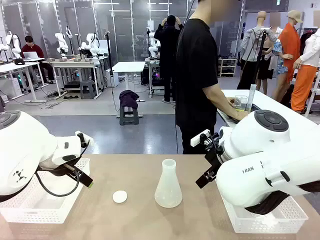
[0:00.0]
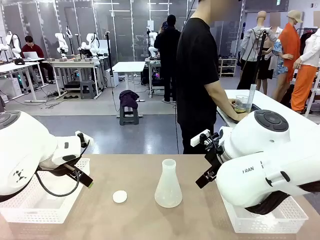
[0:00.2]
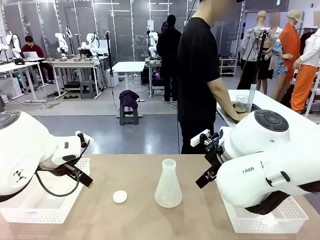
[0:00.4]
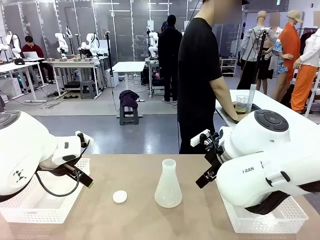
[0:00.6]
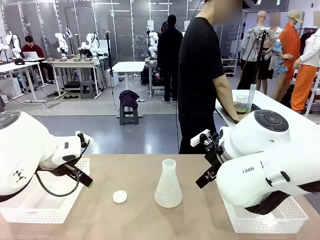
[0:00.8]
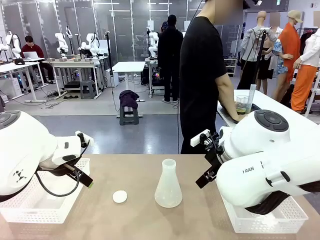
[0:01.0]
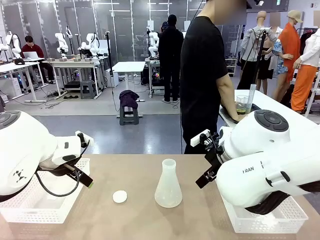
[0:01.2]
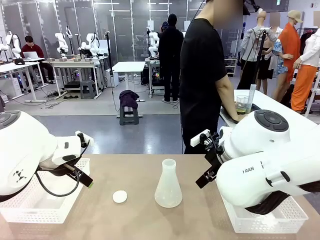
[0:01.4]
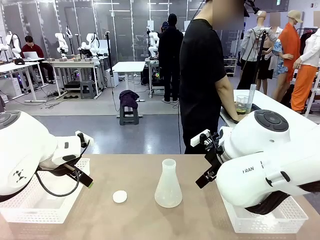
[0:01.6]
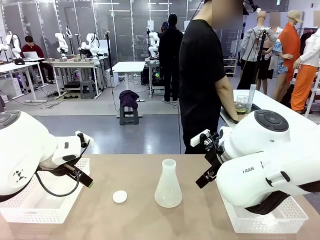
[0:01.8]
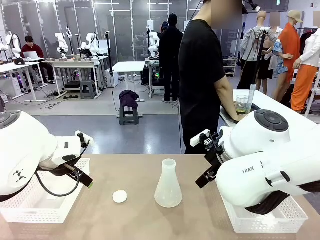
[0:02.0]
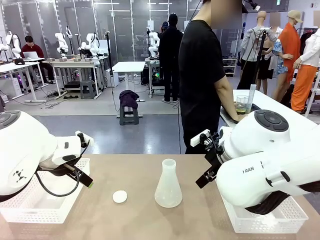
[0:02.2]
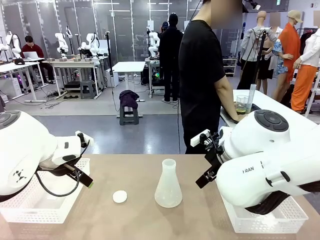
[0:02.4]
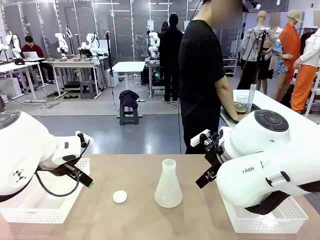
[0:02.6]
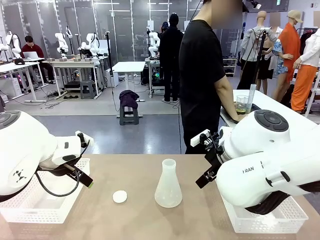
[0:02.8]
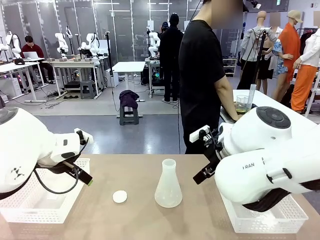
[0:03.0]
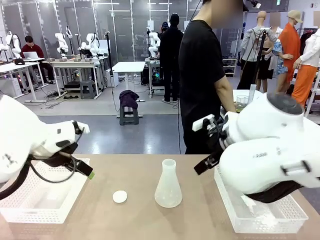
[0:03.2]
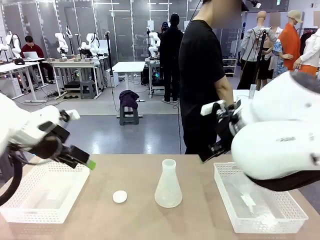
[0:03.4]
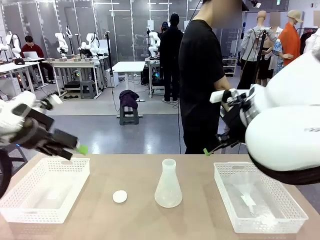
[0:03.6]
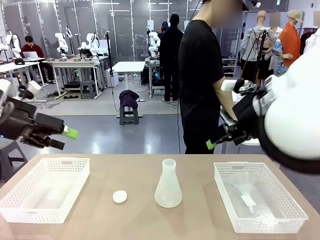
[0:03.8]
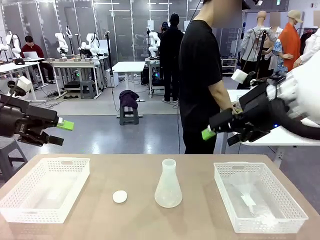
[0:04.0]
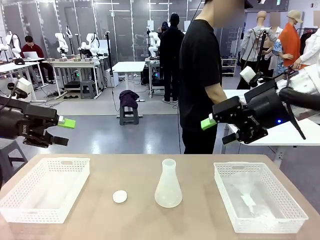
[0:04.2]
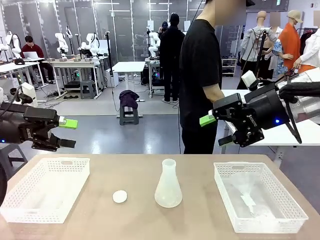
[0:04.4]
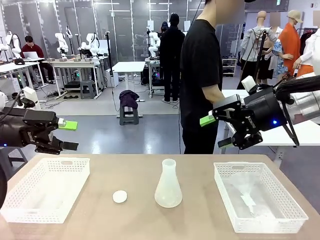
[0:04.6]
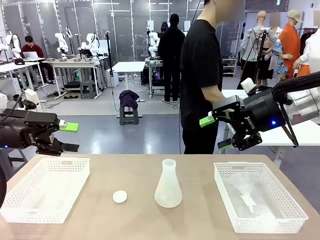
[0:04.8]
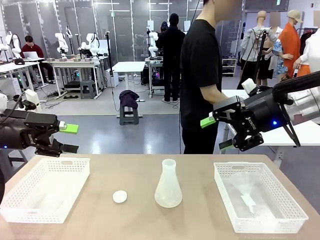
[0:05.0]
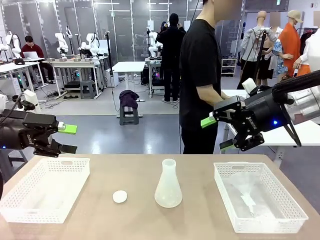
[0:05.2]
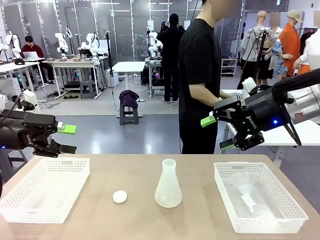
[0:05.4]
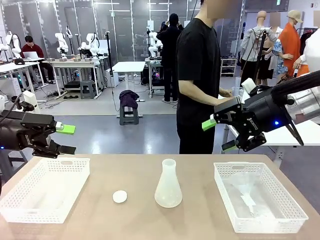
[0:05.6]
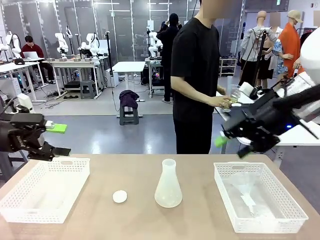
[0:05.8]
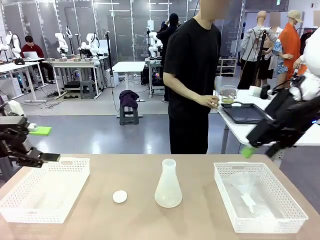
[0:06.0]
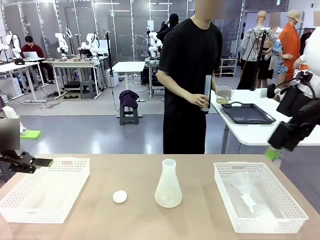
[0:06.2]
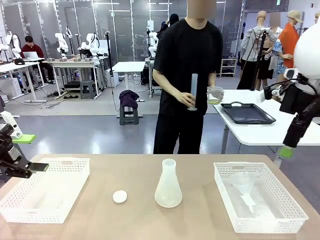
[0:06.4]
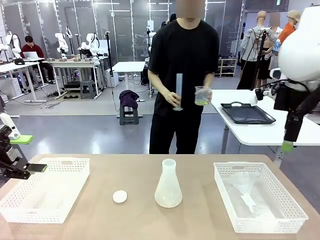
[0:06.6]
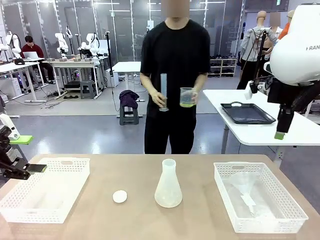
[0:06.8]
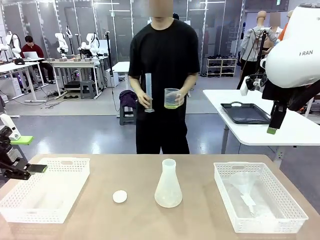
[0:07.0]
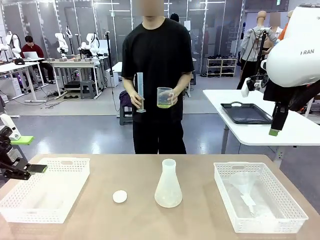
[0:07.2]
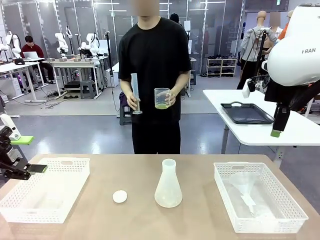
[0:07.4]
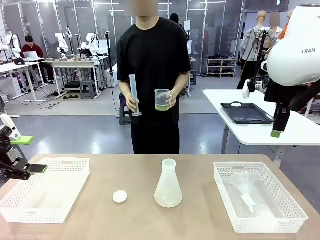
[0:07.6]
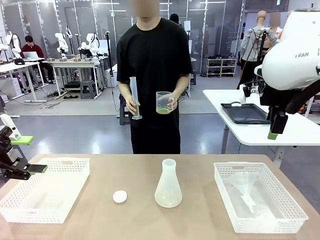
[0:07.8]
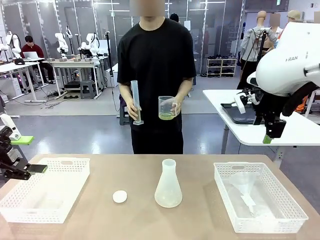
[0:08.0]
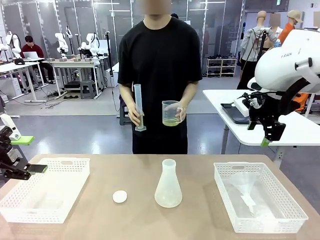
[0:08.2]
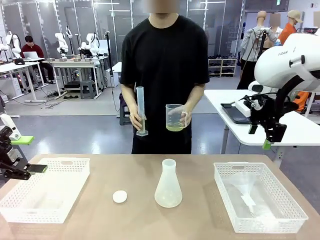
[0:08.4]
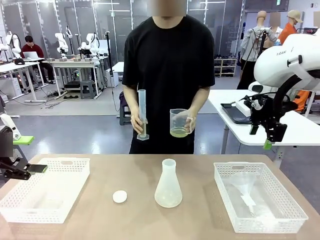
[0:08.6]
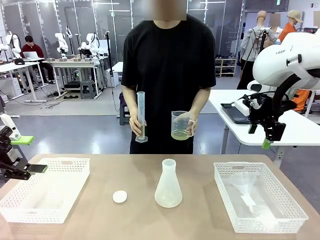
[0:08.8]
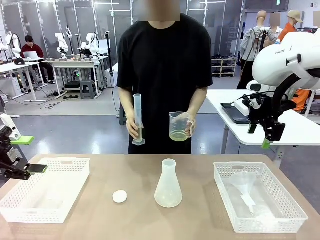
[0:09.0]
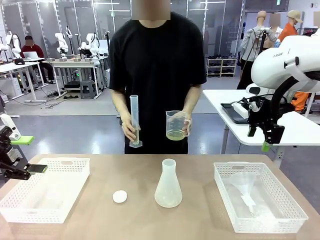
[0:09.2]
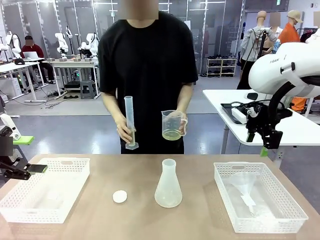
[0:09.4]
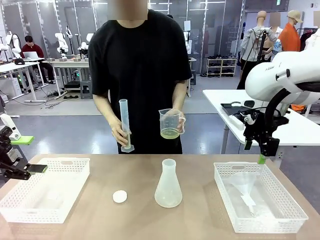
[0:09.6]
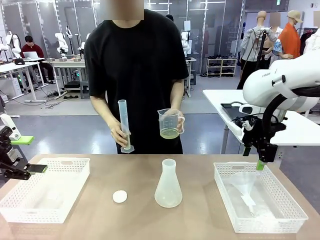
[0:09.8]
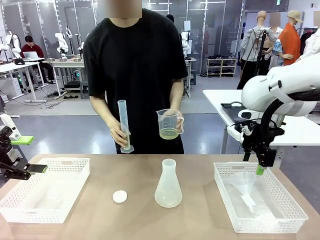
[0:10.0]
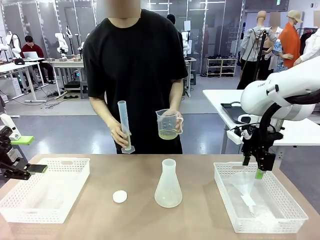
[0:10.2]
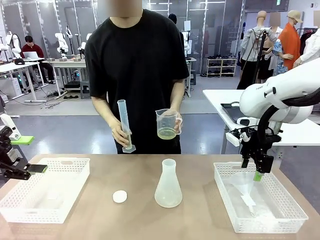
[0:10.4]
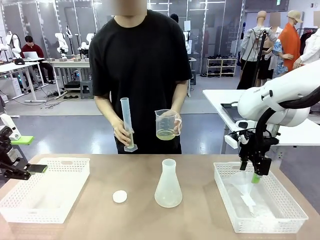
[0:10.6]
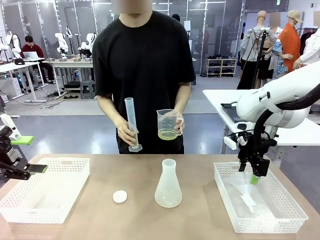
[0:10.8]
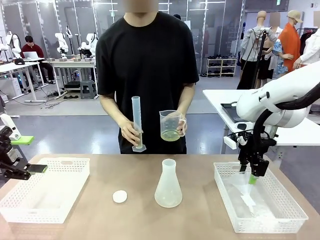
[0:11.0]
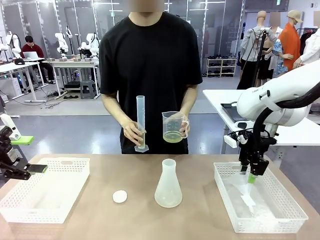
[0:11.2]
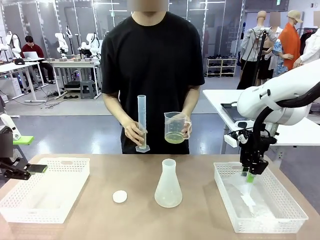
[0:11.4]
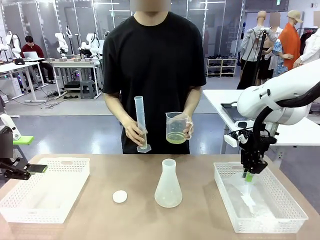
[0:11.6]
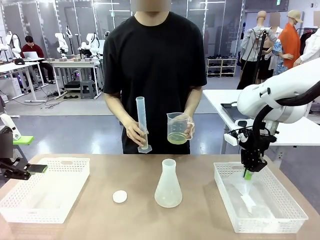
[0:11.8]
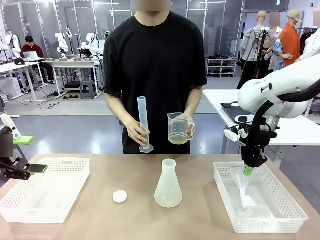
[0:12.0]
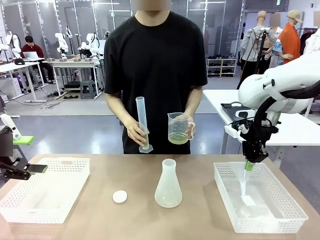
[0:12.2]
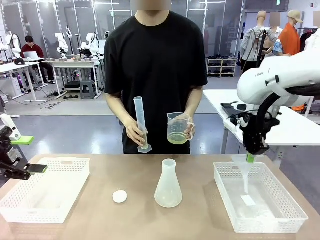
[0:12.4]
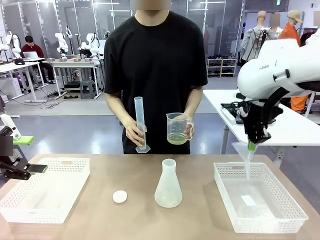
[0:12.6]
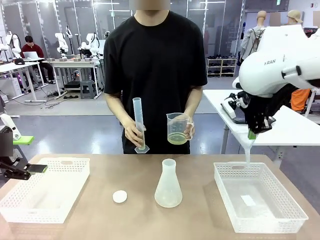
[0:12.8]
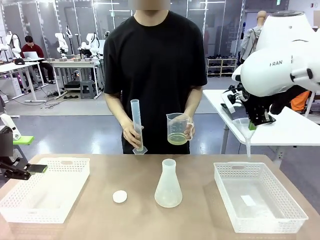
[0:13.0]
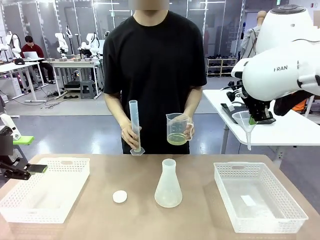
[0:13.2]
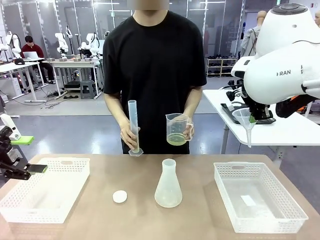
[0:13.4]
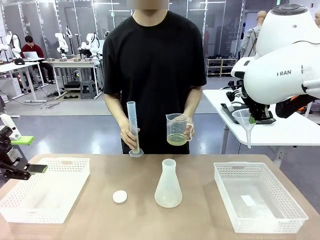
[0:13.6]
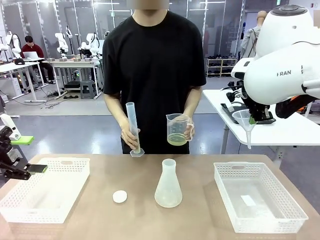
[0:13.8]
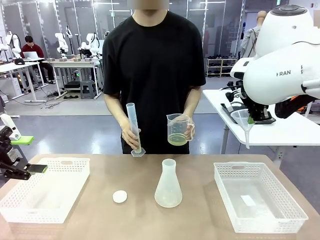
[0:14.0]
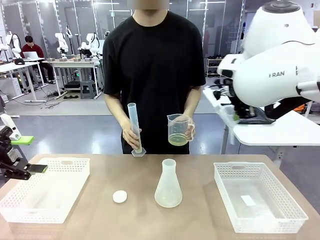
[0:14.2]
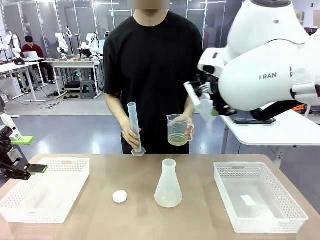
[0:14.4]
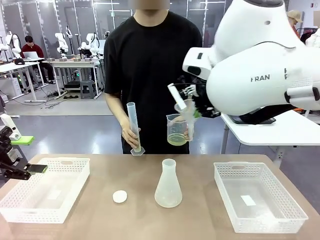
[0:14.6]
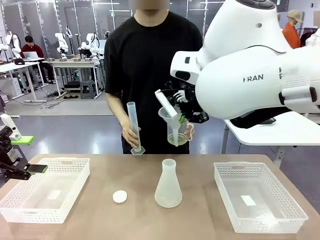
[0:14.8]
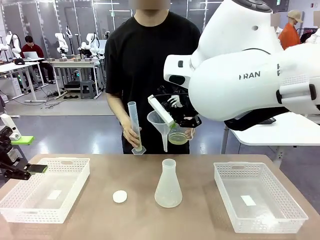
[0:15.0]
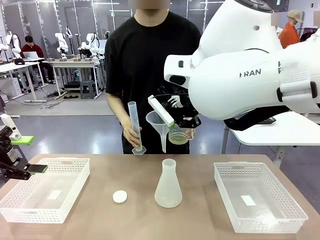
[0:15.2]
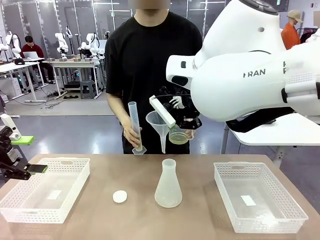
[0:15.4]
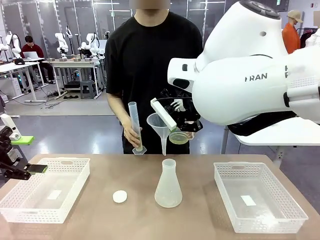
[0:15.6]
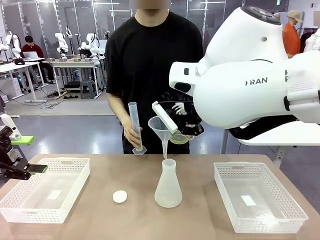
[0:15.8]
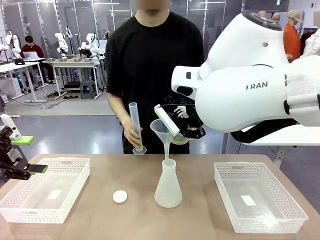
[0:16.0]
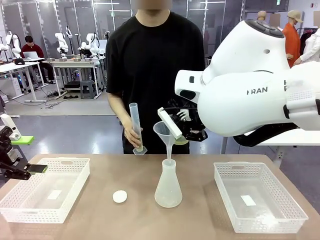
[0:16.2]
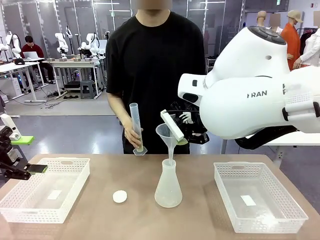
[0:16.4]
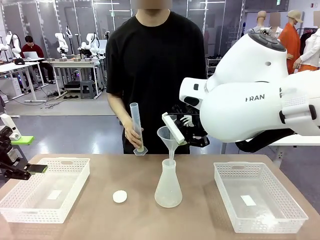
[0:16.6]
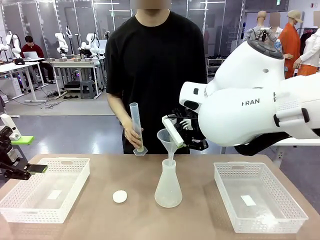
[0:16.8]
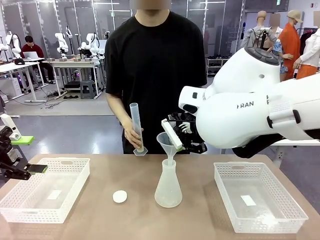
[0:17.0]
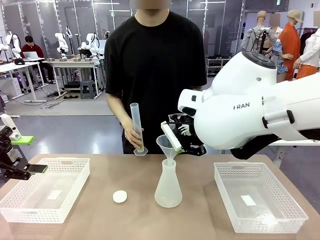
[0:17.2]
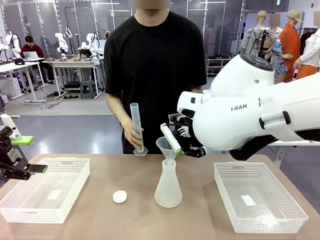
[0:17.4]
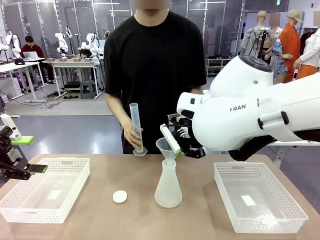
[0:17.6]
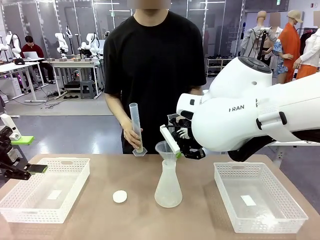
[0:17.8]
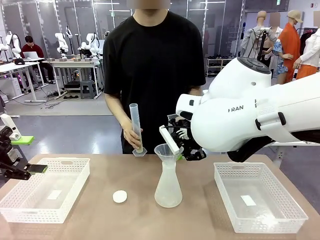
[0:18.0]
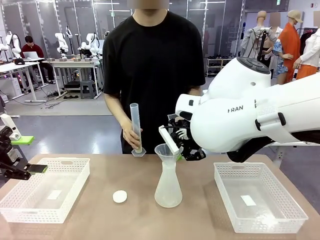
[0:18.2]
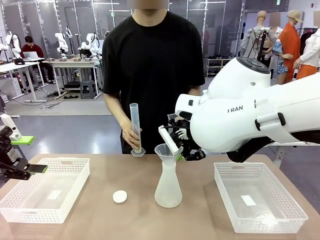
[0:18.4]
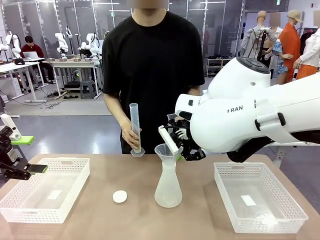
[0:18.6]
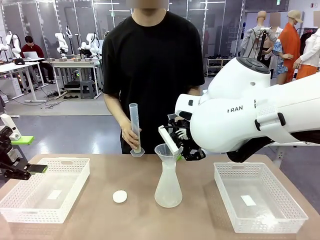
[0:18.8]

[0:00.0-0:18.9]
Task: Prepare the solutions needed for the experiment.
Robot: Pick up the Plastic Funnel and insert it into the Big flask.
Person: Pick up the beaker and the cylinder and move to the middle of the robot table. Pour the solution from the beaker and the cylinder into the flask.
